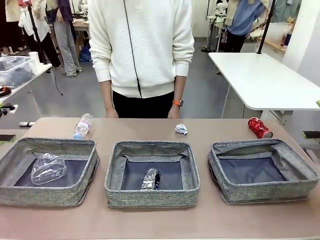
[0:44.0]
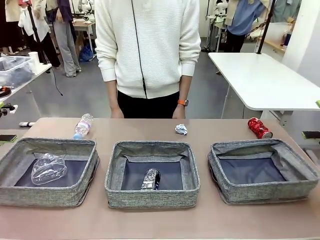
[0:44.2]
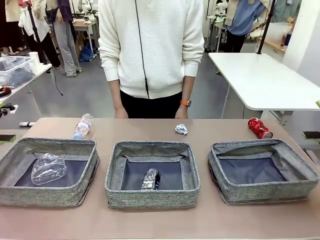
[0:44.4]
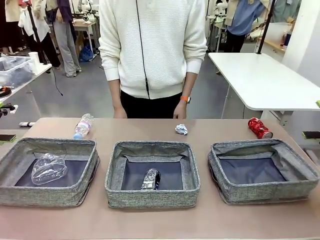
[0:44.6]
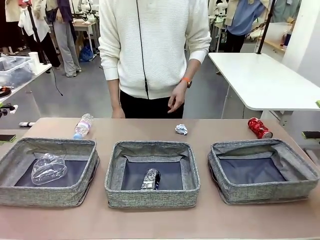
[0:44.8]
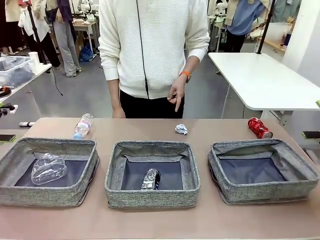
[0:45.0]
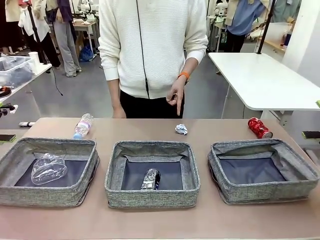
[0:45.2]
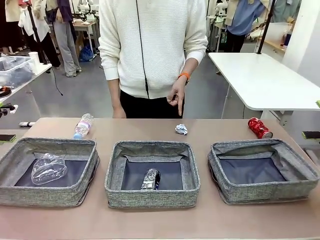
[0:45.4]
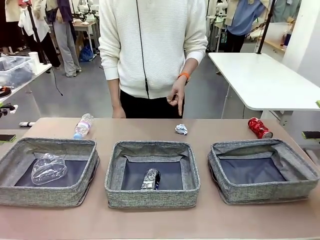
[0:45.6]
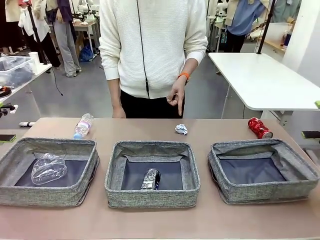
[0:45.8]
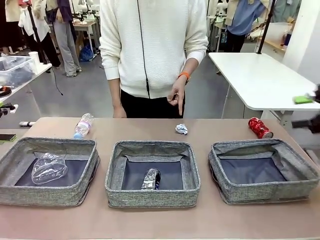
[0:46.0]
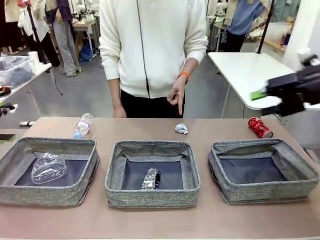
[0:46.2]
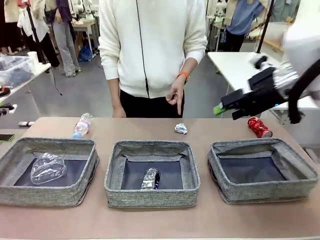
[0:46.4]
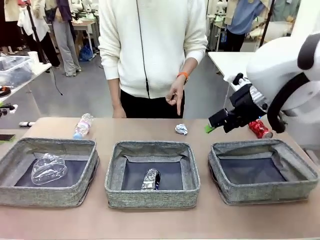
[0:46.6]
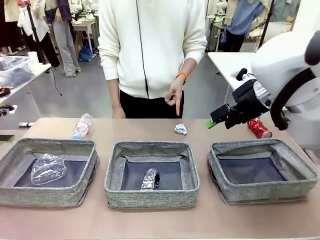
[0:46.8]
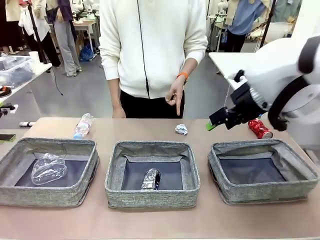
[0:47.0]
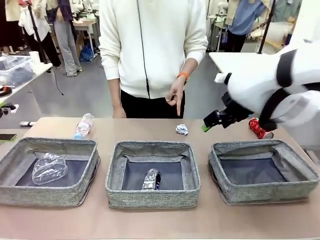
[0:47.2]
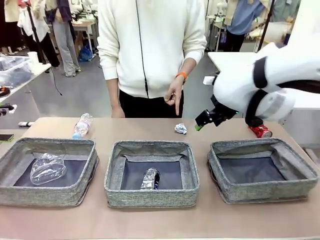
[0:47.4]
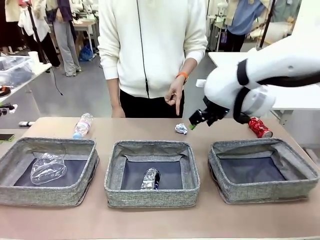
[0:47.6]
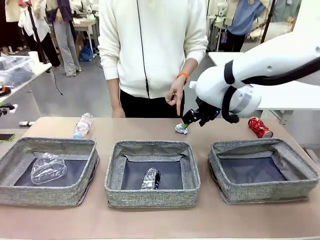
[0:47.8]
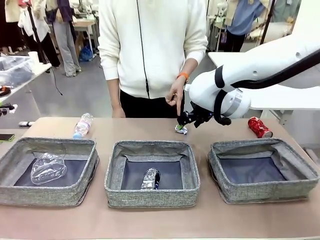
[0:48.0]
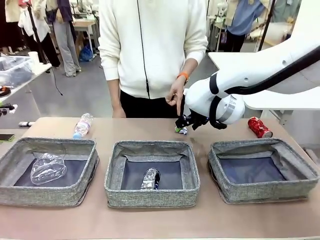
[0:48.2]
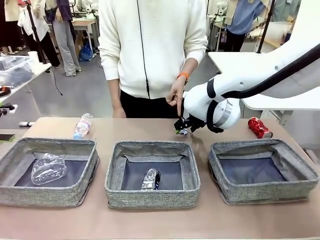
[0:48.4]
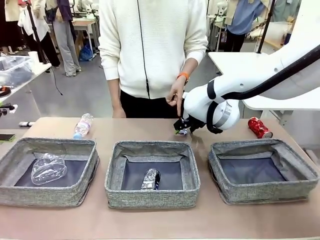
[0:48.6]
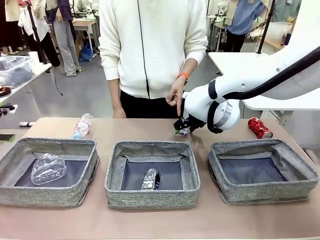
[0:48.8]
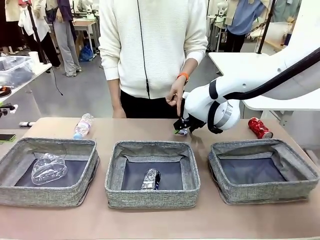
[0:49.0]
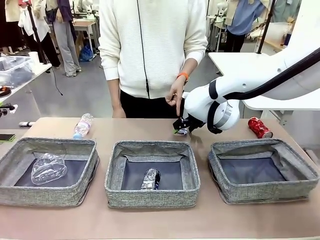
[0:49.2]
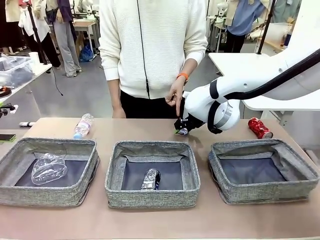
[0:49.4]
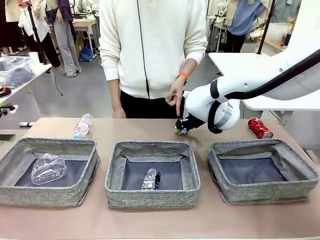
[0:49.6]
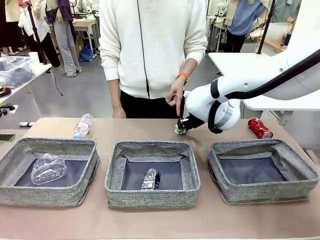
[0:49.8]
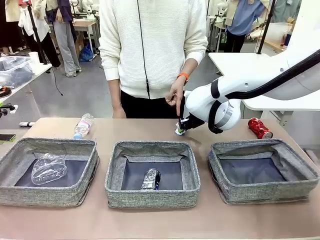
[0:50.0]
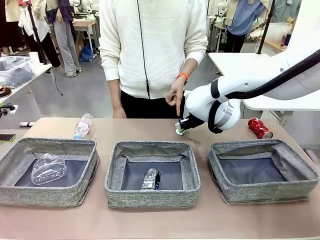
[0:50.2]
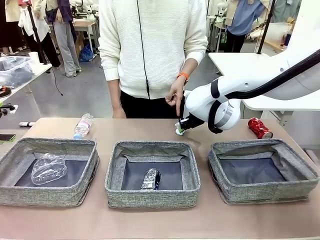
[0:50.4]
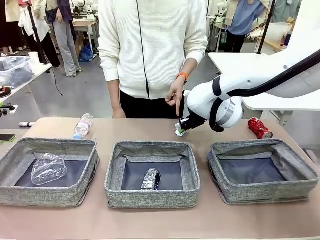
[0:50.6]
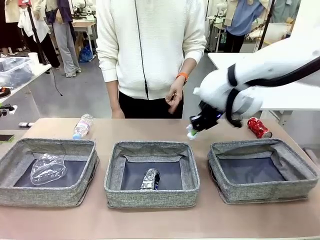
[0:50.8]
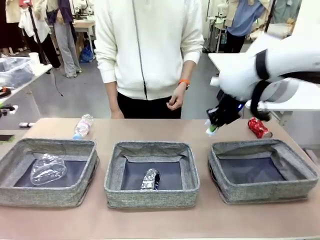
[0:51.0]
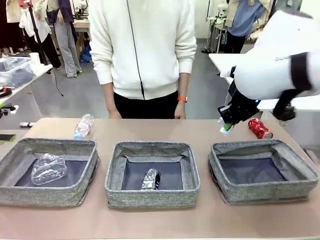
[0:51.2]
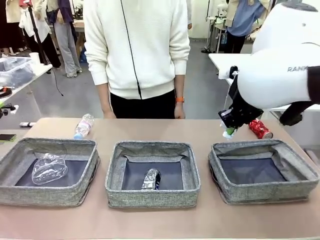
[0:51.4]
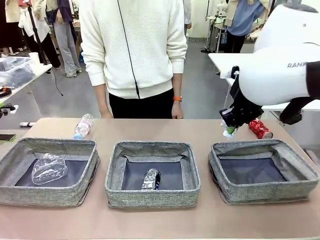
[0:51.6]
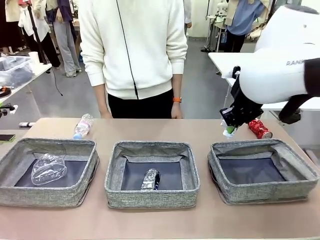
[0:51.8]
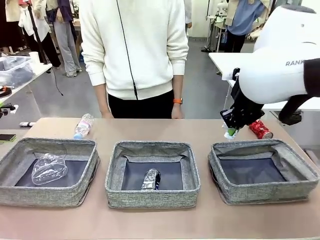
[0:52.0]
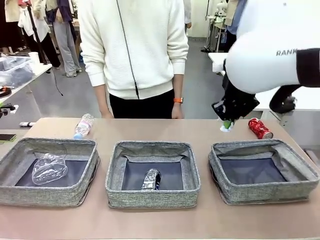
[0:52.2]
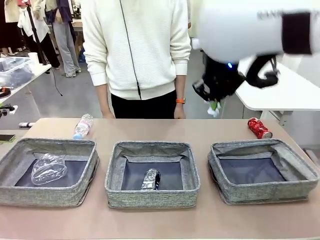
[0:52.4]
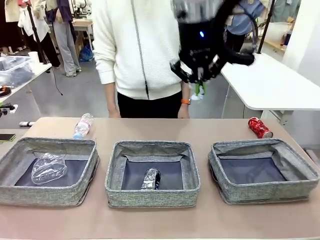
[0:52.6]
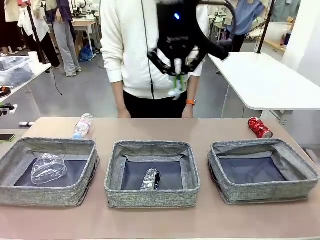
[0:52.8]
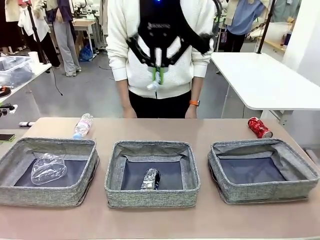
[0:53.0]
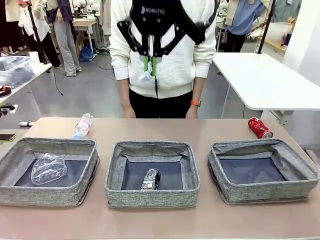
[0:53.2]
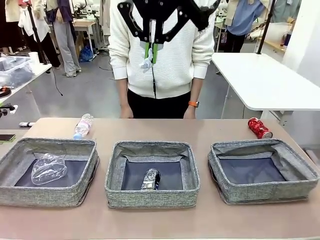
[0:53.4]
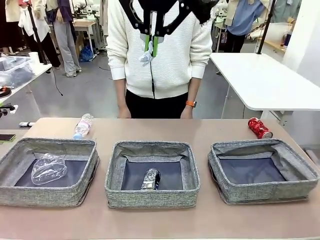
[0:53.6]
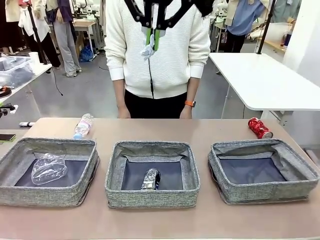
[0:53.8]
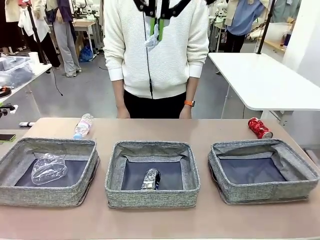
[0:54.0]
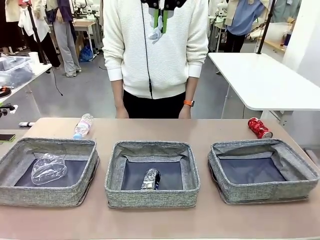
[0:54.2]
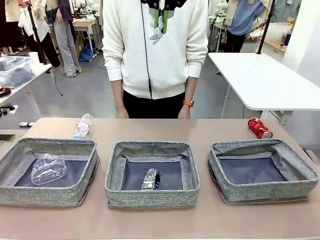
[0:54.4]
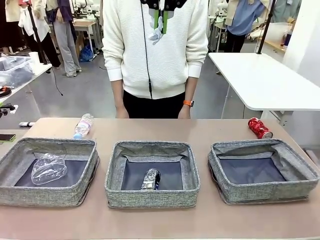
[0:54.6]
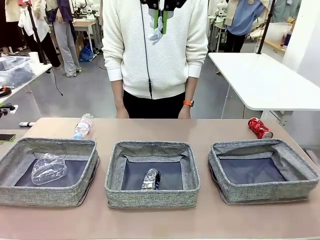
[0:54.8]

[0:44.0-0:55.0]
Task: Sort the waste into the appropriate baskets.
Robot: Pick up the waste item pointed out by the person.
Person: Points to one piece of trash on the table.

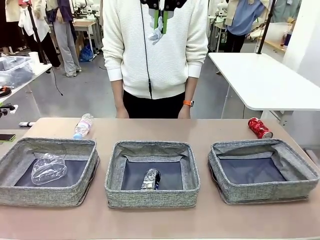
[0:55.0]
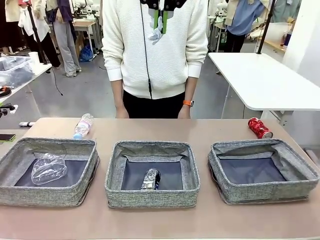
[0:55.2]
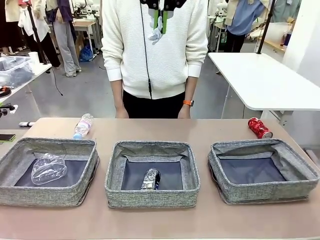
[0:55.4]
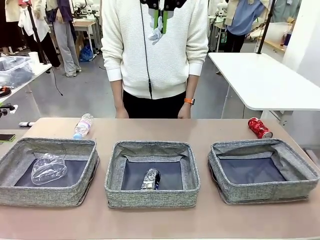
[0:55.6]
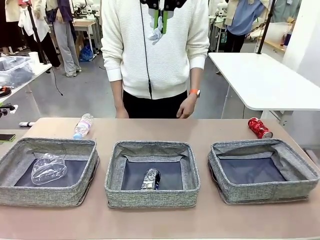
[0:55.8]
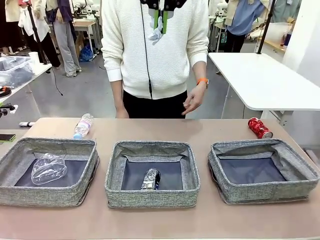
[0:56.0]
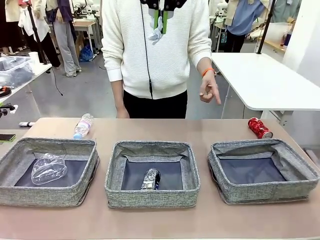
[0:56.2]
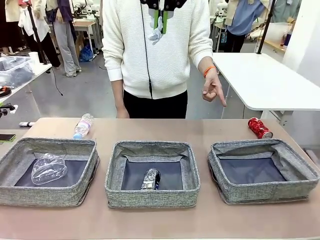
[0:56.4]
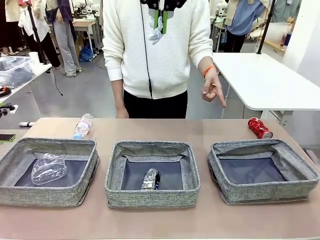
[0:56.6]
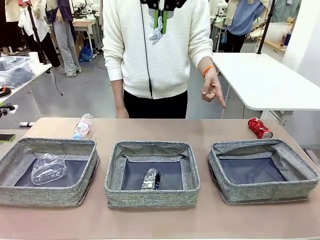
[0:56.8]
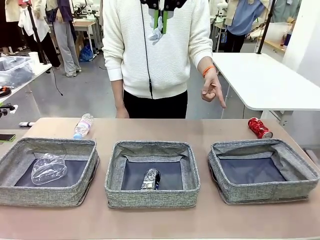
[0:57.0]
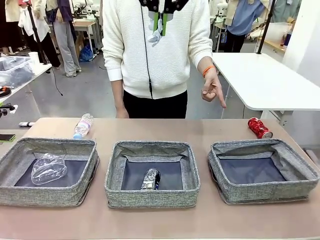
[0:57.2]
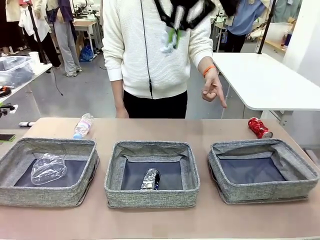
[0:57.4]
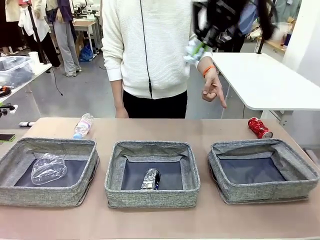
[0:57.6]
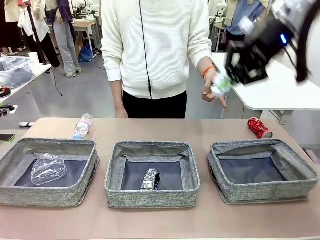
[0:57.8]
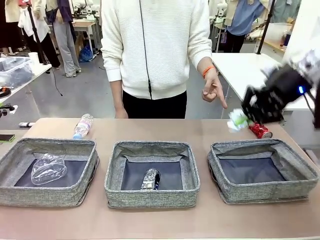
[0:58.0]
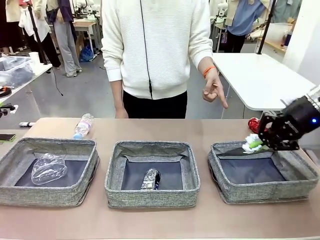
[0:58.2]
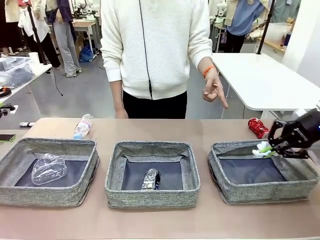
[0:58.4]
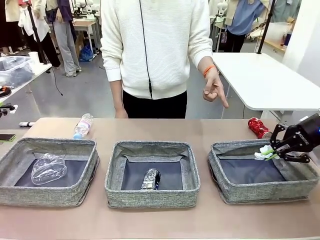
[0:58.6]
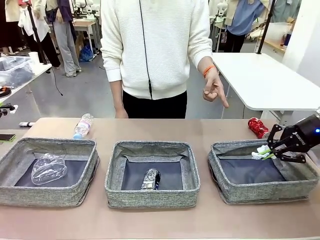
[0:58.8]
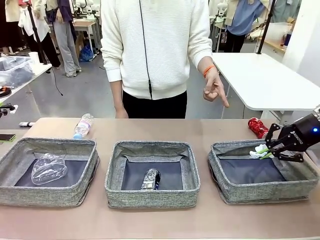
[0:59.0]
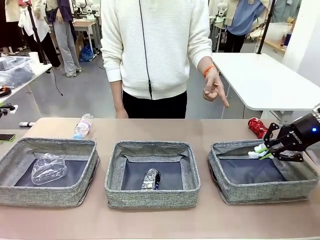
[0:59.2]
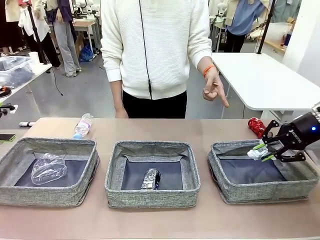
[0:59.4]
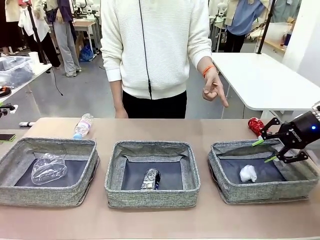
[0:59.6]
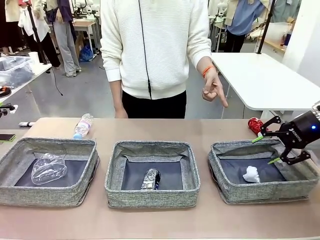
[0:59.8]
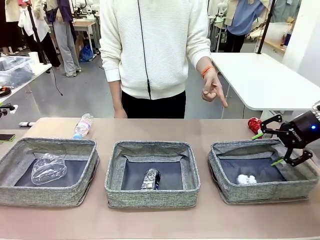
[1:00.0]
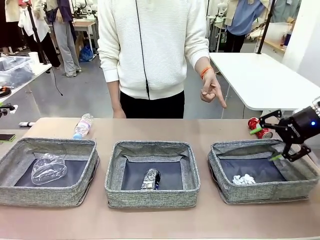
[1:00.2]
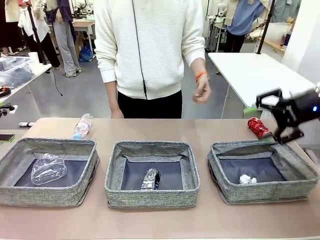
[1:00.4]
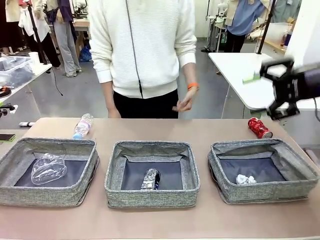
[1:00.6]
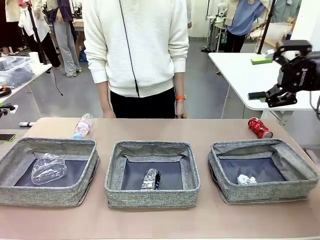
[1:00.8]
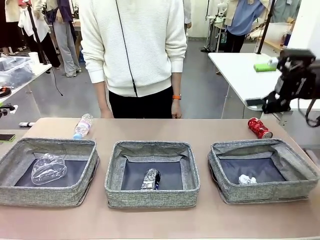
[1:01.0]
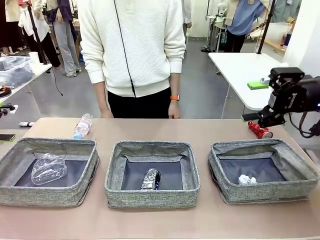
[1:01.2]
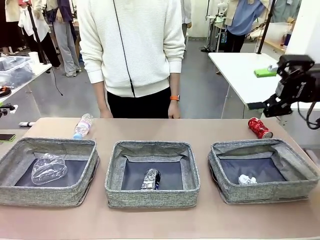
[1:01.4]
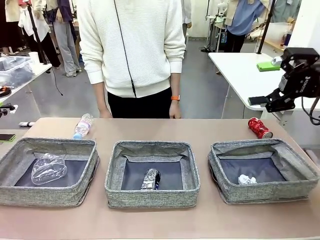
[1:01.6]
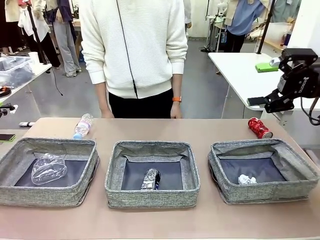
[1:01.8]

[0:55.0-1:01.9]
Robot: Place the picked waste into the Fabric basket indicated by the person.
Person: Instructs the robot to place the picked-up trash into the appropriate organizing basket.
